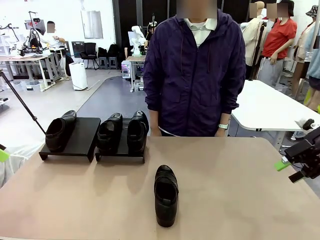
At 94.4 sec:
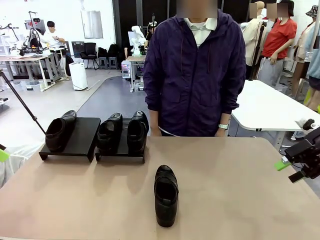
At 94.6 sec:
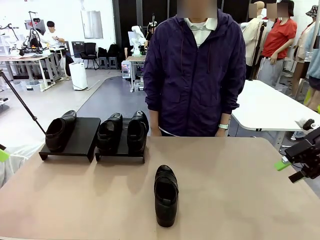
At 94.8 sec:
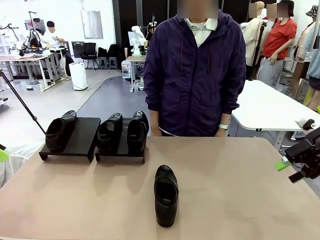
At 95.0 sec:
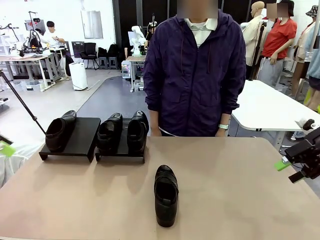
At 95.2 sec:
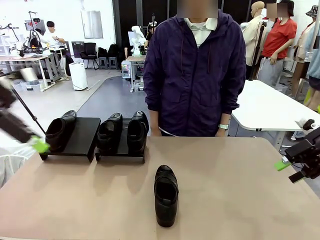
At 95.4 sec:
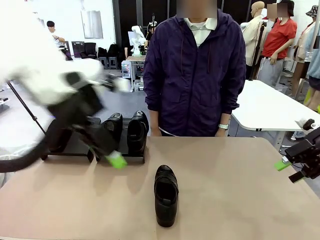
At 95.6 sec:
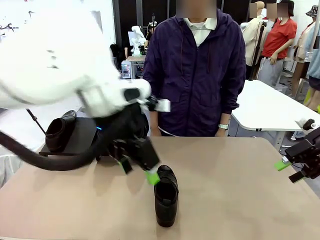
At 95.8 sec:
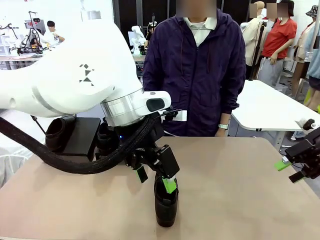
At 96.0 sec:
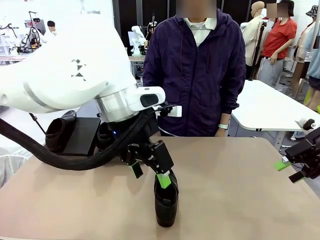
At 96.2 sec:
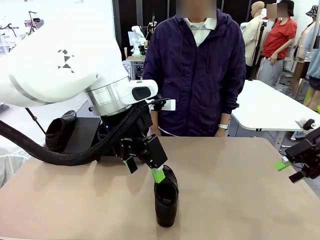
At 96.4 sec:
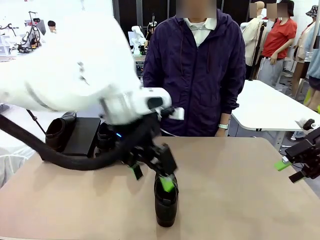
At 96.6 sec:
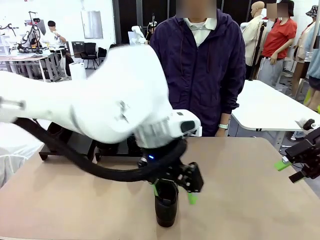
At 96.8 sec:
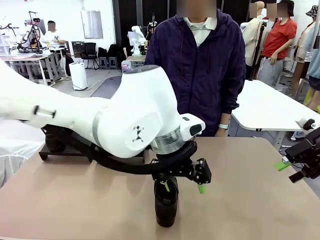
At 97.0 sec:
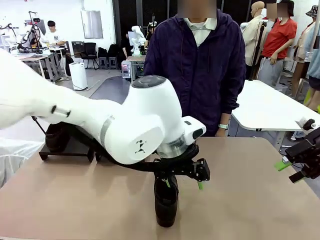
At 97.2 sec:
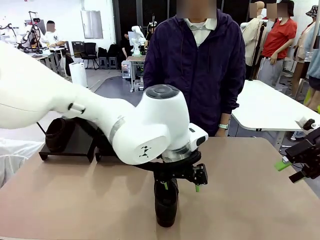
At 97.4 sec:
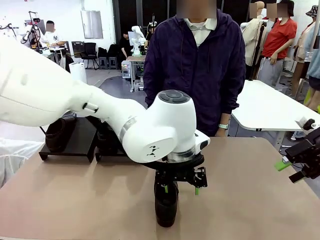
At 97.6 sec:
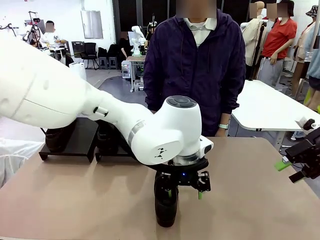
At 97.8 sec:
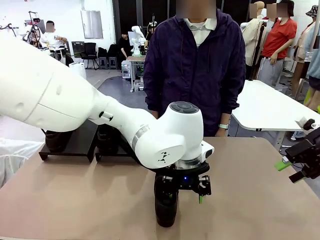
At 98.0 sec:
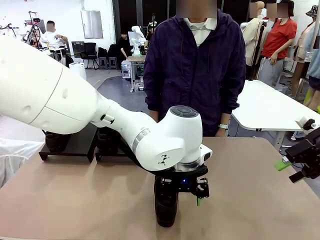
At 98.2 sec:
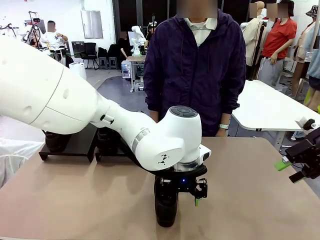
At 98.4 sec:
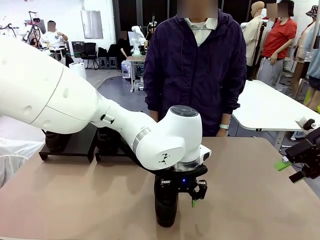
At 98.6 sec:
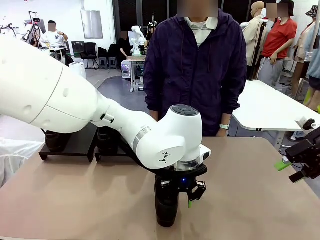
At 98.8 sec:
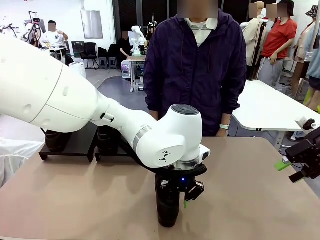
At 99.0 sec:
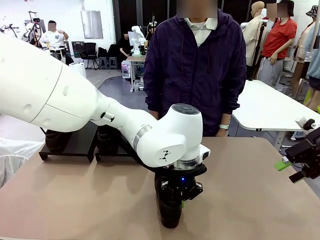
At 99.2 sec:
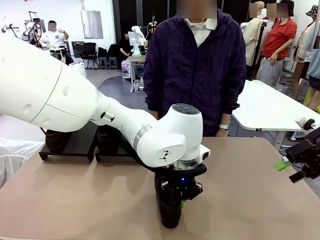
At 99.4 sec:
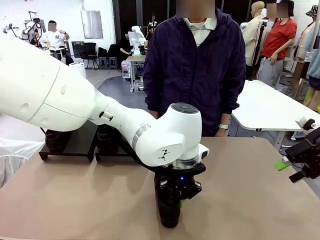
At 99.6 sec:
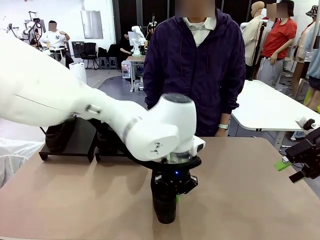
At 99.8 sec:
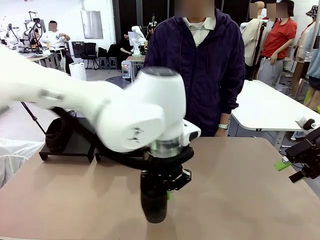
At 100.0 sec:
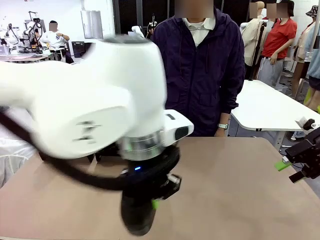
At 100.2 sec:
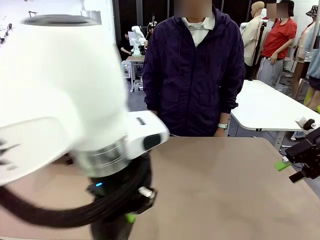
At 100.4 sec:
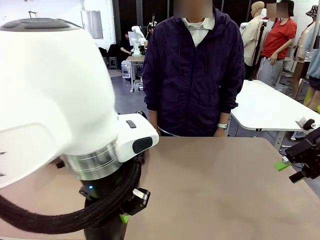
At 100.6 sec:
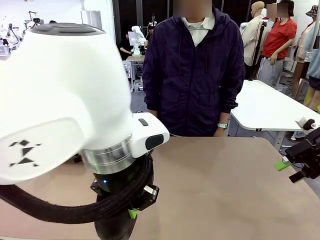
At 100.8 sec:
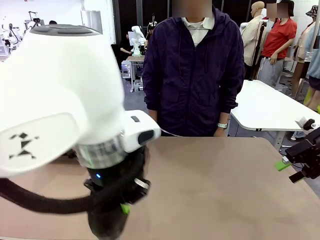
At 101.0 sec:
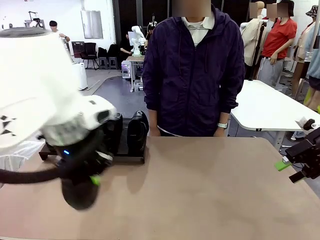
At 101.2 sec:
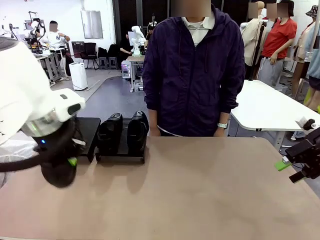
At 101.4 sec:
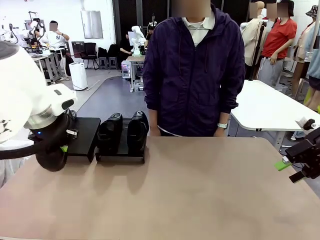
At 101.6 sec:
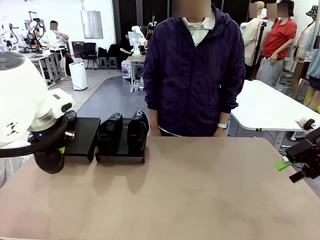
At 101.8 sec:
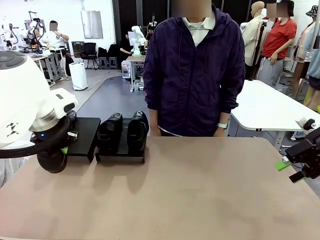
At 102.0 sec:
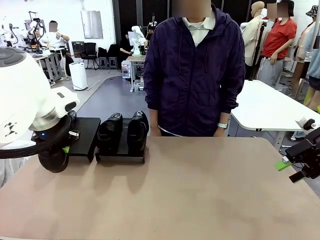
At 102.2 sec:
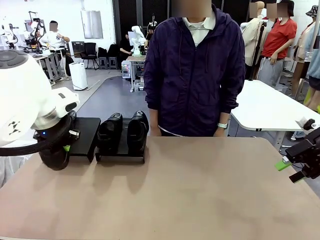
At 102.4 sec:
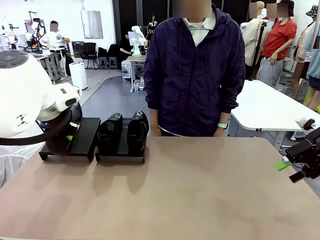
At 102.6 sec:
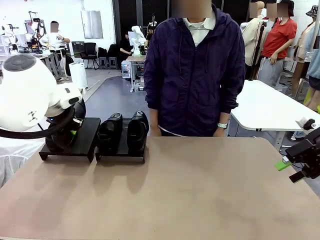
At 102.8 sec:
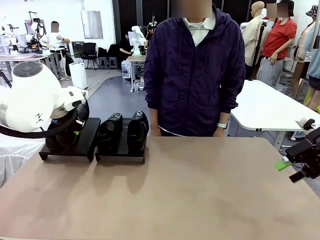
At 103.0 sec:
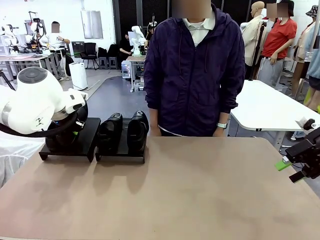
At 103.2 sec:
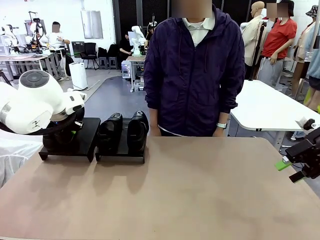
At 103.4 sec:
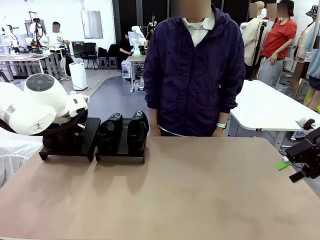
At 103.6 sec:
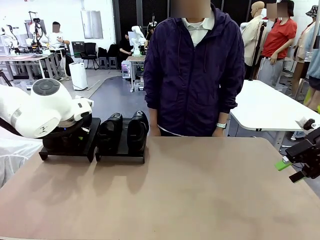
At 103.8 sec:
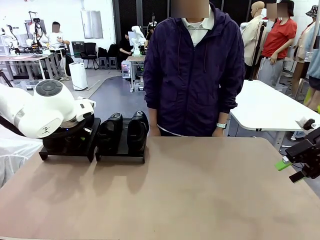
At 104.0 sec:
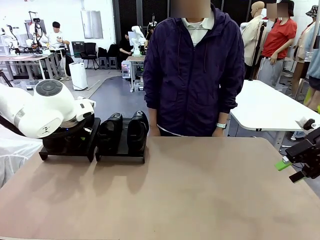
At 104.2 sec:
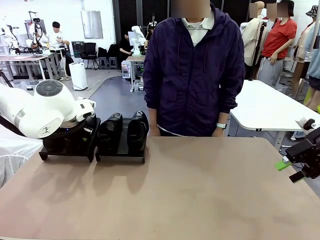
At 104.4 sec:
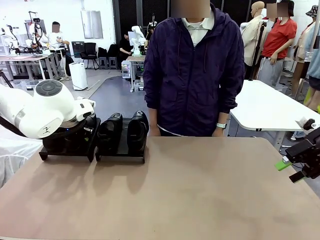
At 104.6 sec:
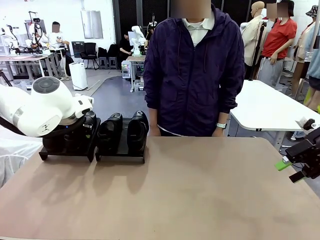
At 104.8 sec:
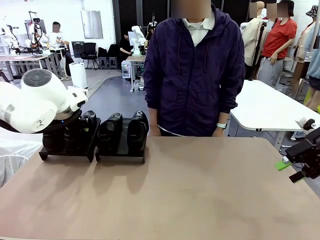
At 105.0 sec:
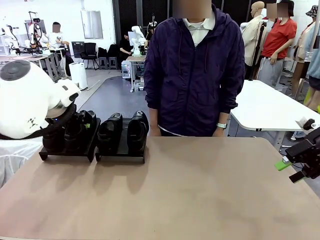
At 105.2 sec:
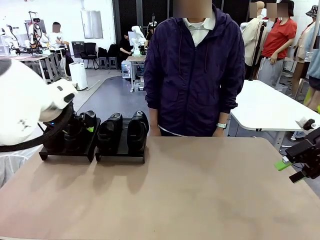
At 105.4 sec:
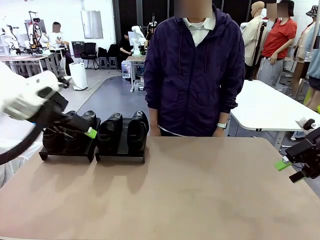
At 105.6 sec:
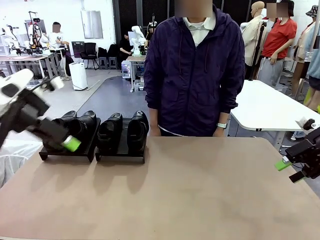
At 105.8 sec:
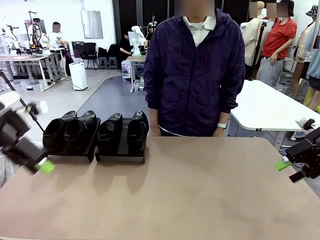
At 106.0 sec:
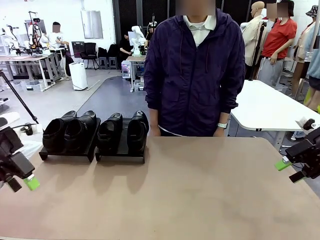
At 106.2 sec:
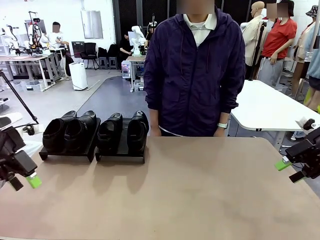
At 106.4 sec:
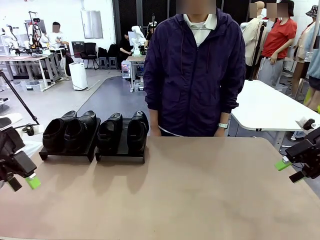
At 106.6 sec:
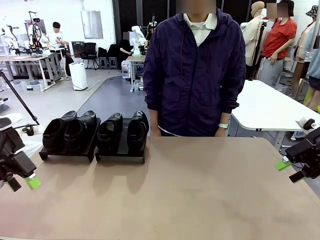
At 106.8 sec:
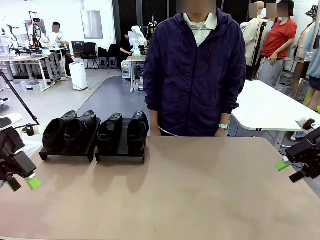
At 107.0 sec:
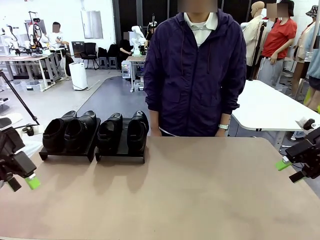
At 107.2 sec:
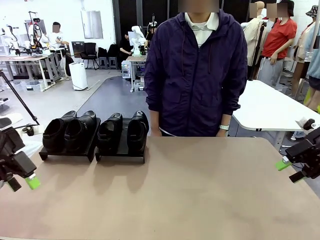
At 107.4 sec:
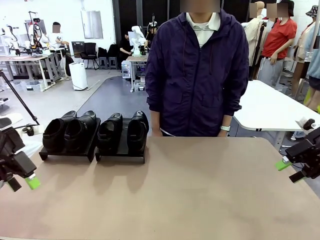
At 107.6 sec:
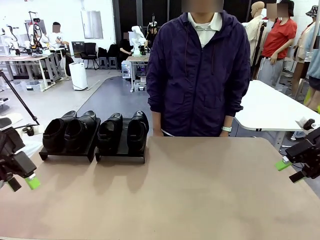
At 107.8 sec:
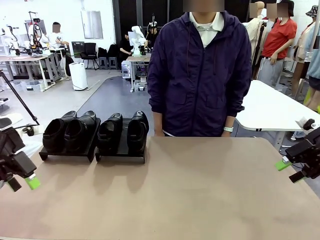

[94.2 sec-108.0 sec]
Task: Organize the shoes by placing them on the stand.
Robot: Place the Shoe from the middle of the table onto the Shoes Stand.

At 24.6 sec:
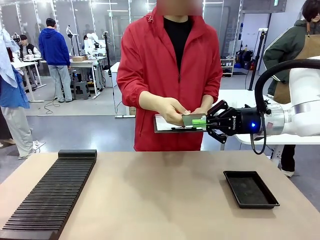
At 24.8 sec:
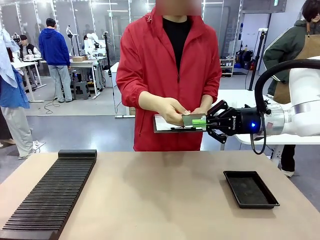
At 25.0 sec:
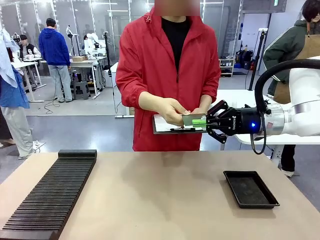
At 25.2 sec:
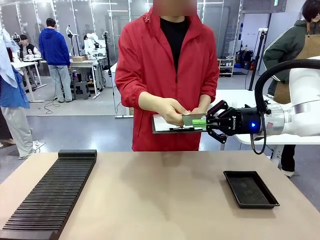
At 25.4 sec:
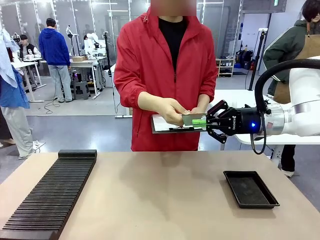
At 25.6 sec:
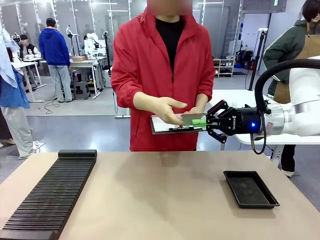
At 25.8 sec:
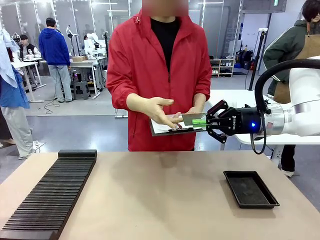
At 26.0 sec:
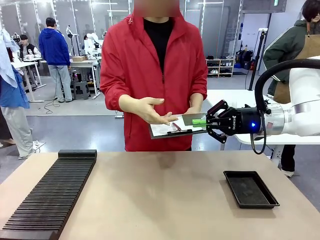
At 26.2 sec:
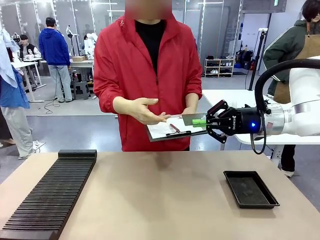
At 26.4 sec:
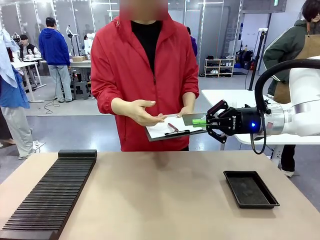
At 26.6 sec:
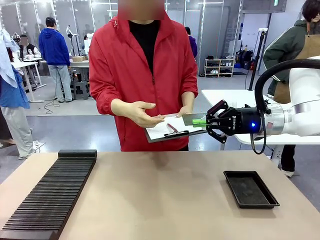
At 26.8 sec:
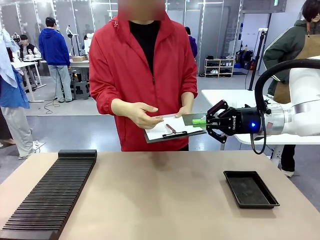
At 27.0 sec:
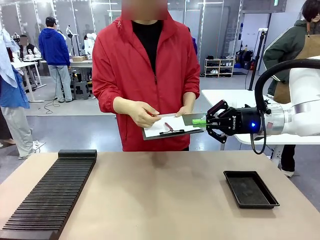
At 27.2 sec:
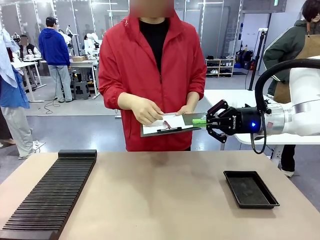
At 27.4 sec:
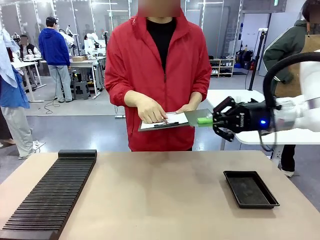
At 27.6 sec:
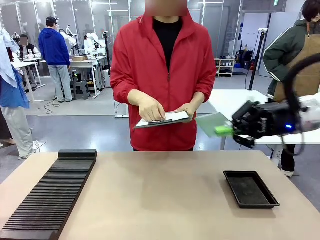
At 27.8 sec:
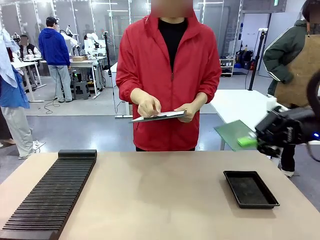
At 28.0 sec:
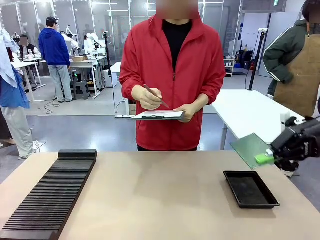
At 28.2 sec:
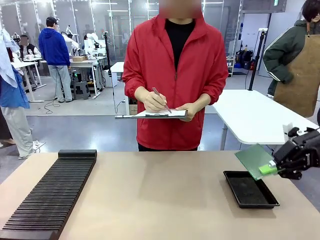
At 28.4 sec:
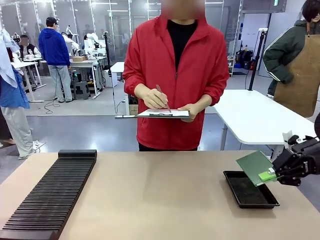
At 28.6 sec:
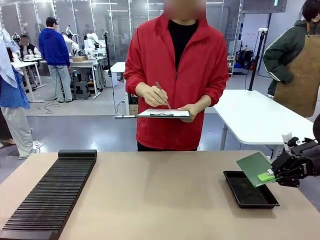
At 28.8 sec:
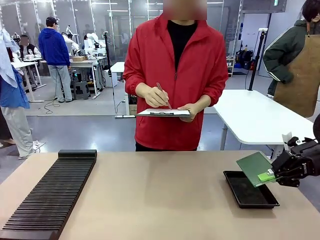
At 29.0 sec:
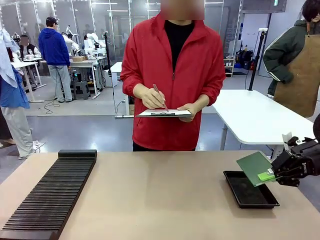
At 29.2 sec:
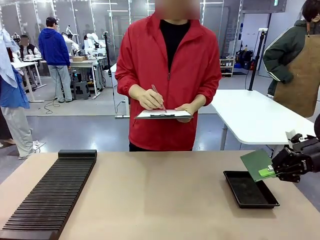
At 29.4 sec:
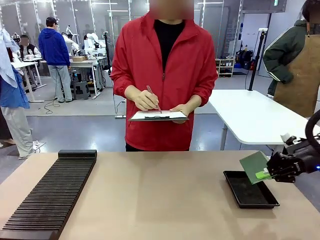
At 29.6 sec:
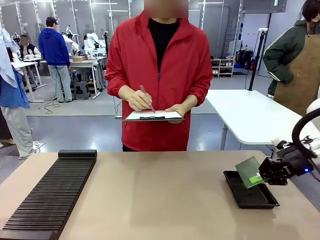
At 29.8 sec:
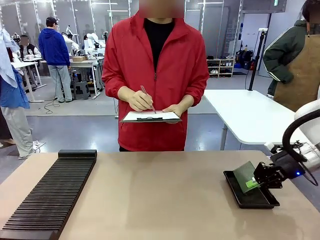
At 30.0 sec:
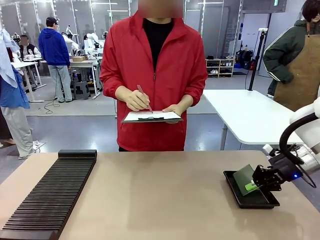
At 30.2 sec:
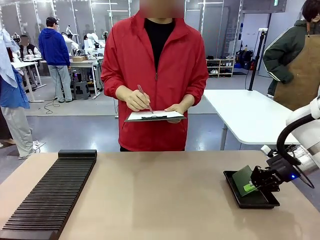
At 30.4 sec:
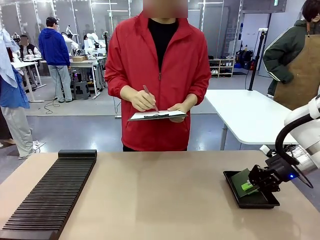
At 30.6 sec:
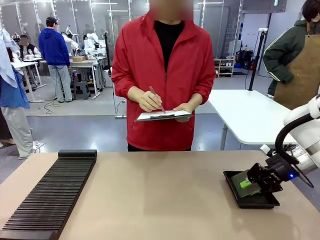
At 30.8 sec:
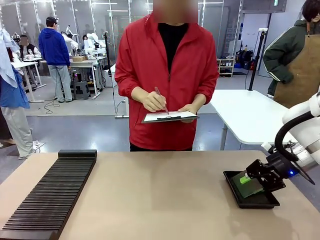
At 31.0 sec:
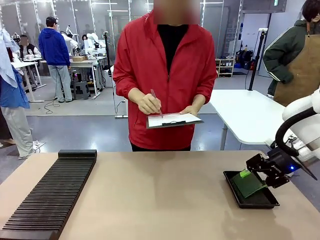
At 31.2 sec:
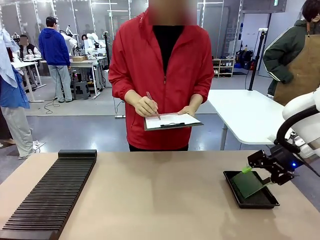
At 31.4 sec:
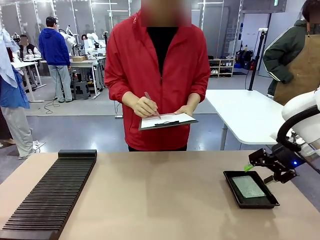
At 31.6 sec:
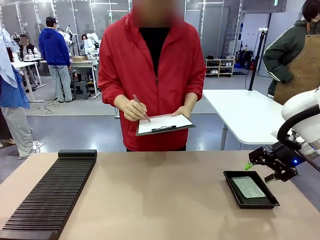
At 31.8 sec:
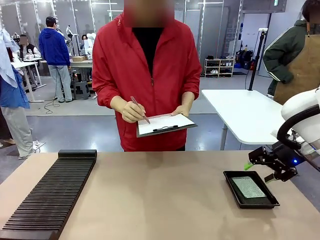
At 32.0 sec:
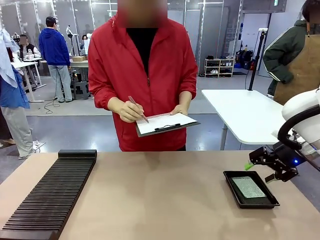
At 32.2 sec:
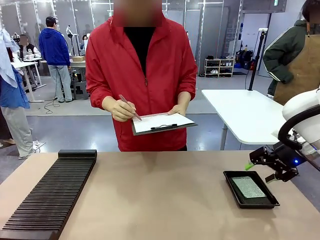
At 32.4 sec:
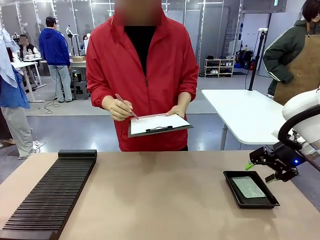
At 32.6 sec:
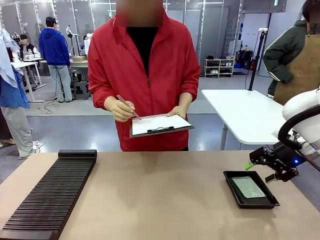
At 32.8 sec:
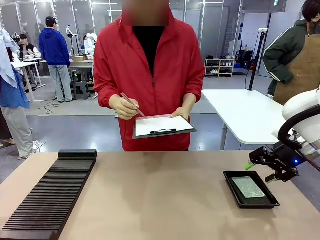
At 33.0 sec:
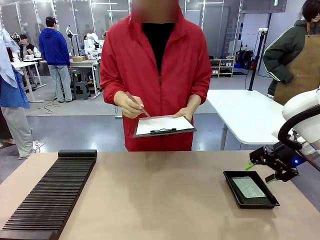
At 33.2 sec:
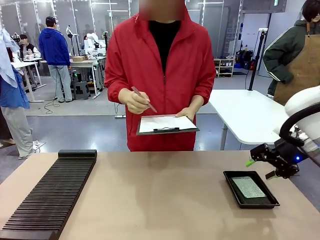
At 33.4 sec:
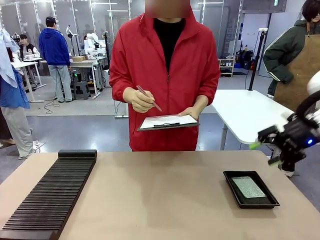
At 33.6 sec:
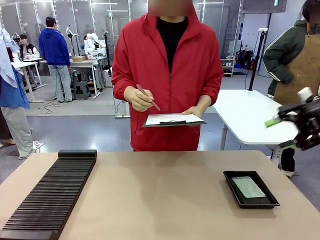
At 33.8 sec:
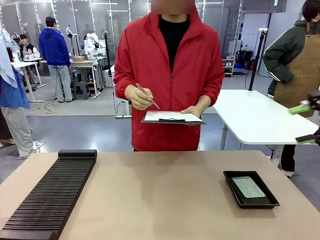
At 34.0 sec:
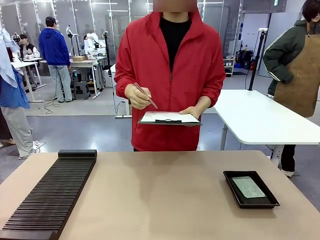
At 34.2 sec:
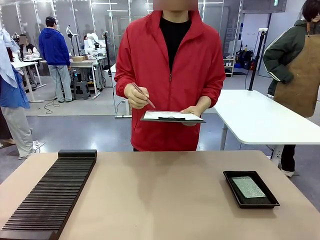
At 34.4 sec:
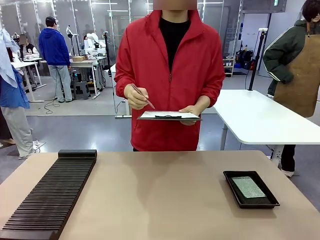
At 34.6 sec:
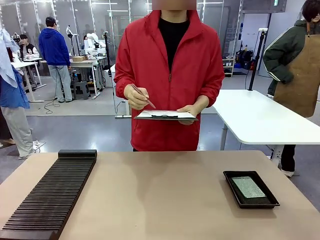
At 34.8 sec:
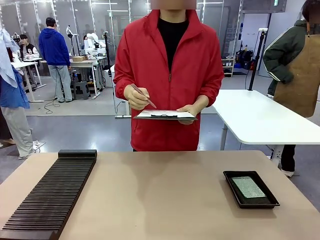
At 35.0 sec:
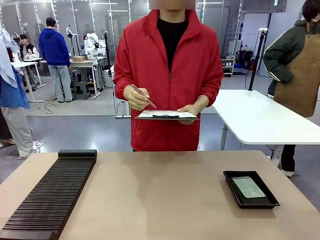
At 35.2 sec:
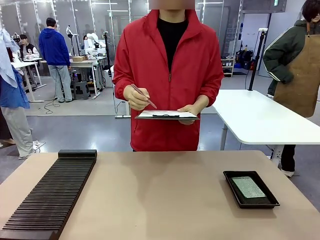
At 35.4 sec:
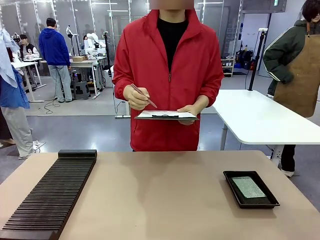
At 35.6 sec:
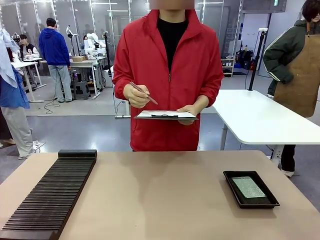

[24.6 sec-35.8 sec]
Task: Inspect the PCB.
Robot: Place the Blank PCB in the ESD tray.
Person: Record the PCB status on the paper.
